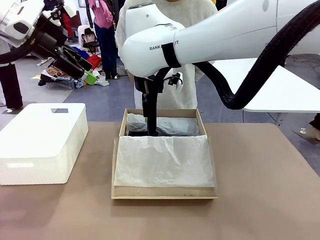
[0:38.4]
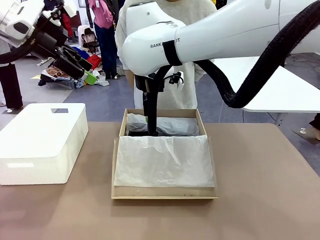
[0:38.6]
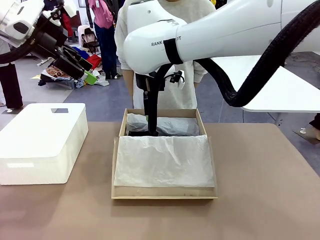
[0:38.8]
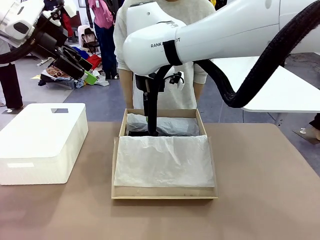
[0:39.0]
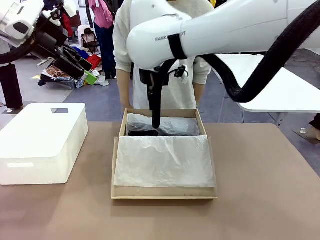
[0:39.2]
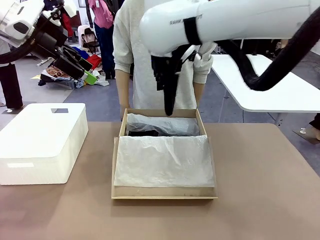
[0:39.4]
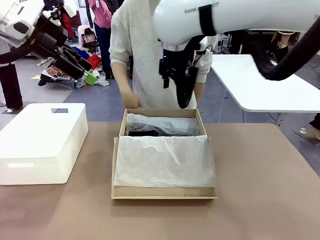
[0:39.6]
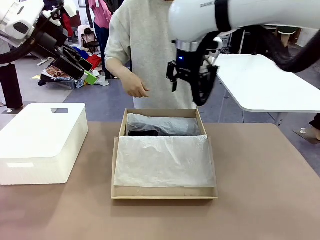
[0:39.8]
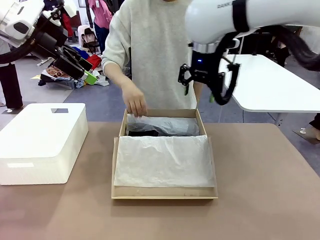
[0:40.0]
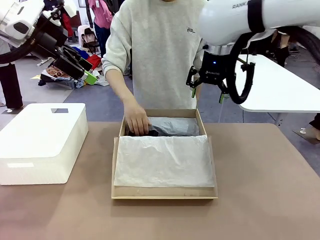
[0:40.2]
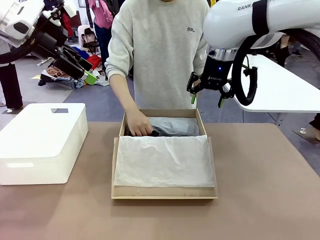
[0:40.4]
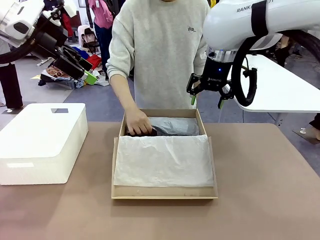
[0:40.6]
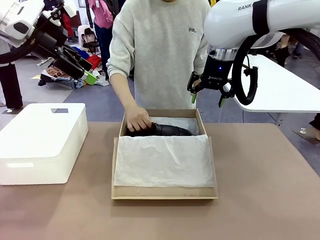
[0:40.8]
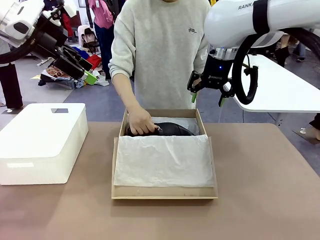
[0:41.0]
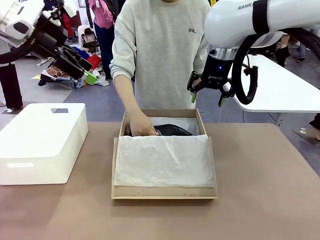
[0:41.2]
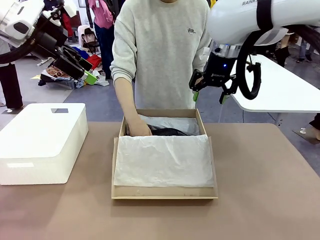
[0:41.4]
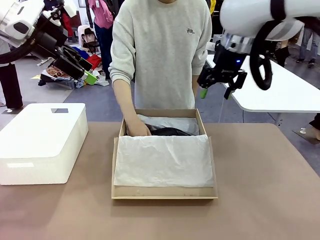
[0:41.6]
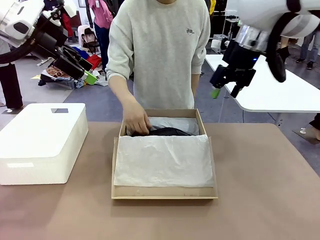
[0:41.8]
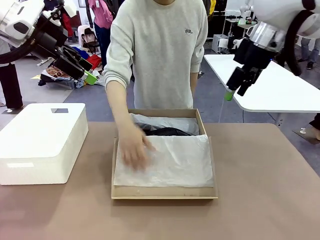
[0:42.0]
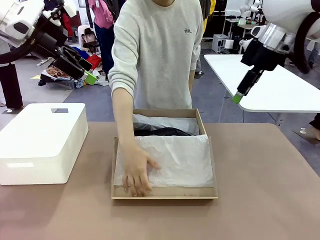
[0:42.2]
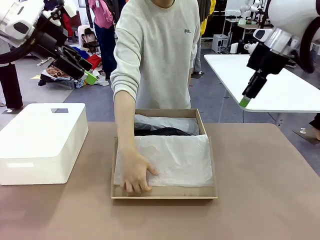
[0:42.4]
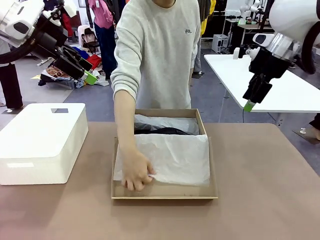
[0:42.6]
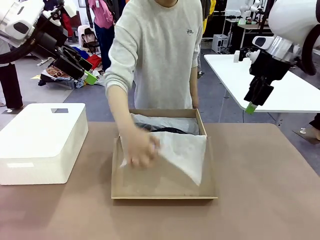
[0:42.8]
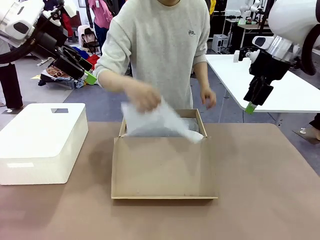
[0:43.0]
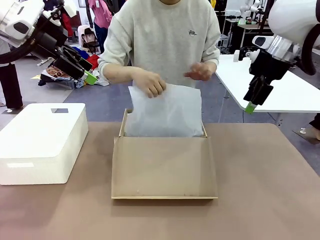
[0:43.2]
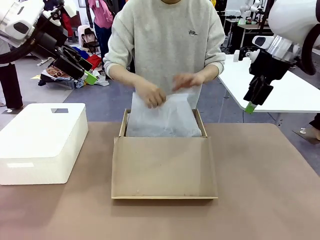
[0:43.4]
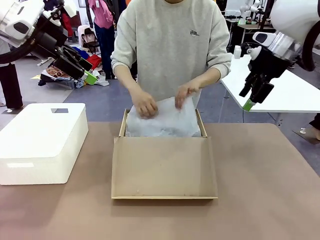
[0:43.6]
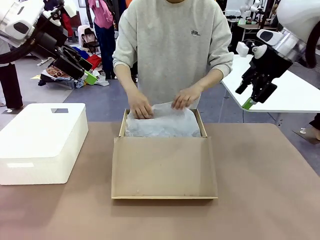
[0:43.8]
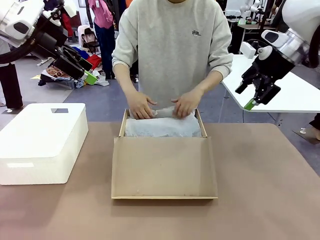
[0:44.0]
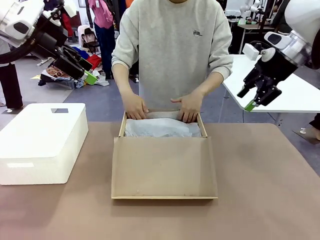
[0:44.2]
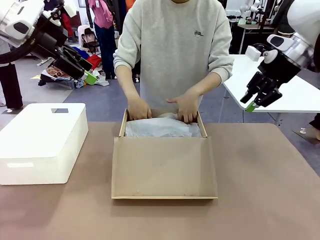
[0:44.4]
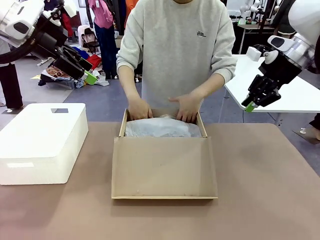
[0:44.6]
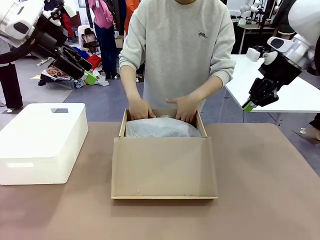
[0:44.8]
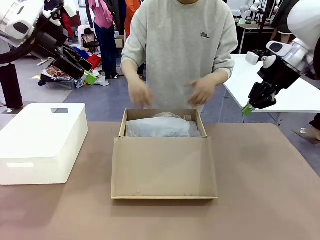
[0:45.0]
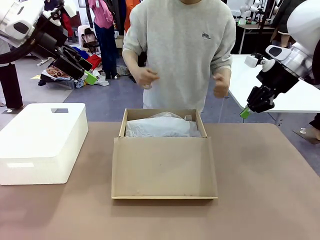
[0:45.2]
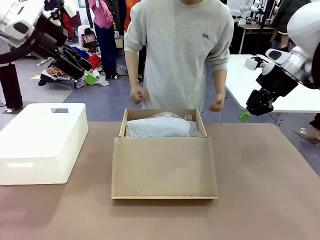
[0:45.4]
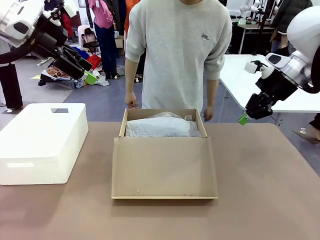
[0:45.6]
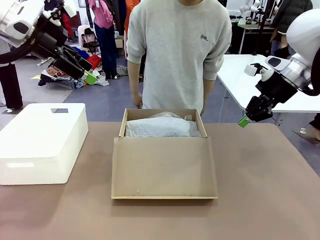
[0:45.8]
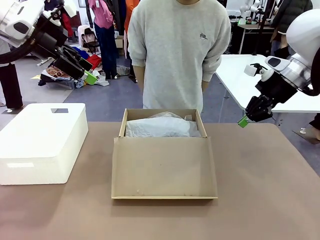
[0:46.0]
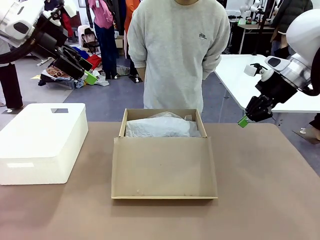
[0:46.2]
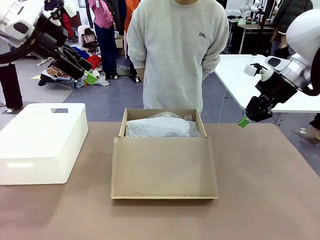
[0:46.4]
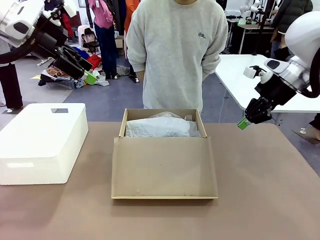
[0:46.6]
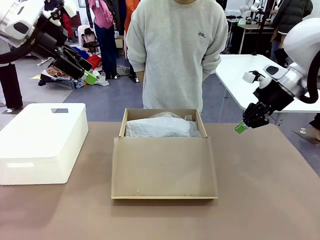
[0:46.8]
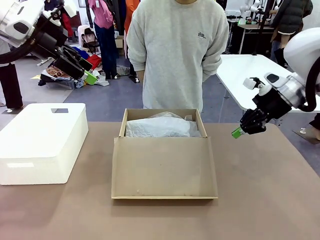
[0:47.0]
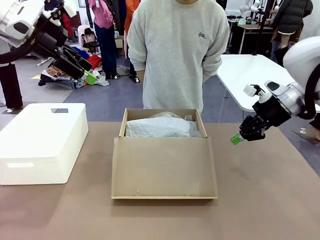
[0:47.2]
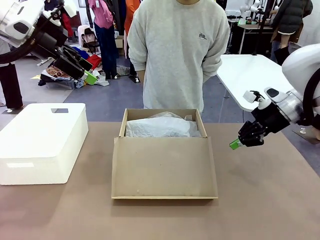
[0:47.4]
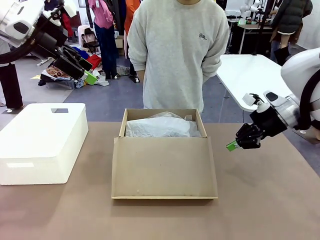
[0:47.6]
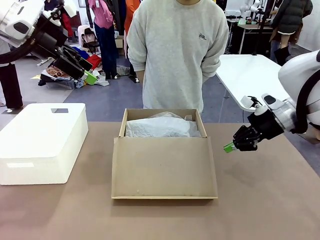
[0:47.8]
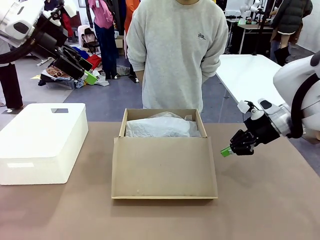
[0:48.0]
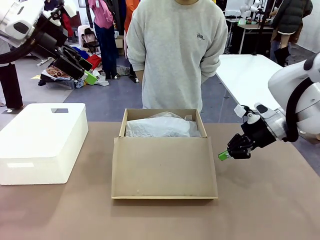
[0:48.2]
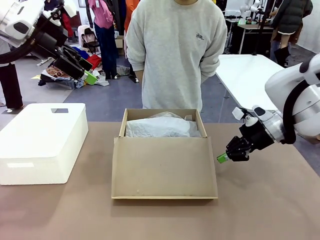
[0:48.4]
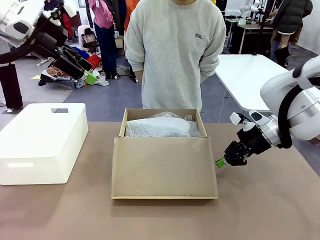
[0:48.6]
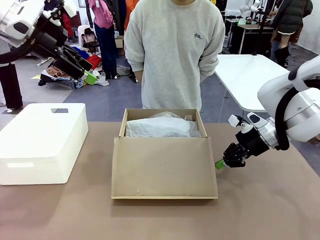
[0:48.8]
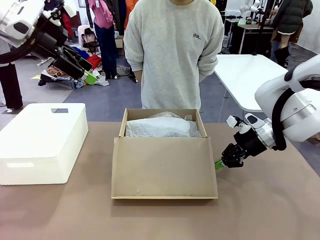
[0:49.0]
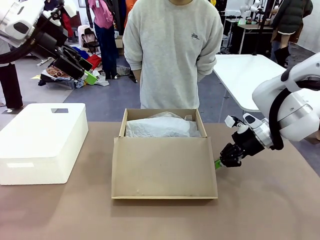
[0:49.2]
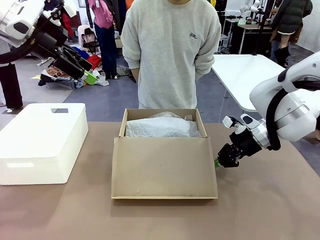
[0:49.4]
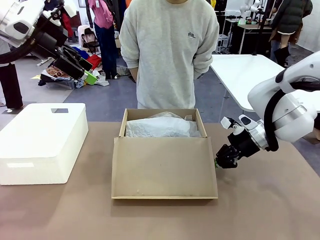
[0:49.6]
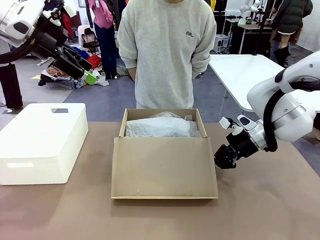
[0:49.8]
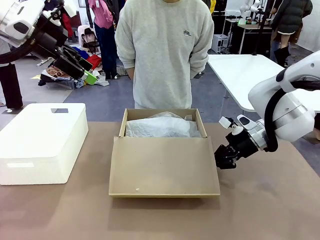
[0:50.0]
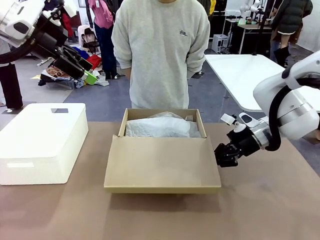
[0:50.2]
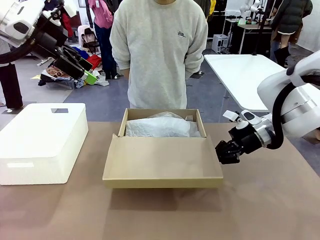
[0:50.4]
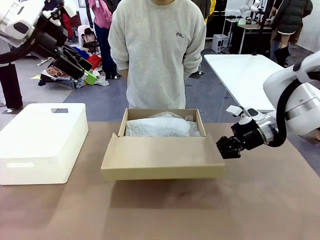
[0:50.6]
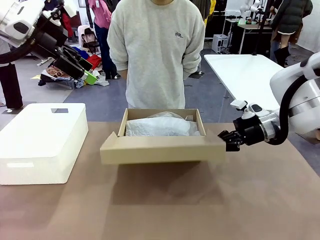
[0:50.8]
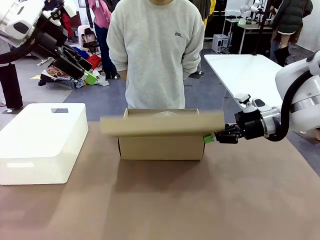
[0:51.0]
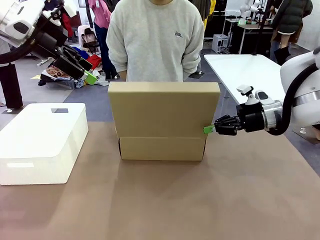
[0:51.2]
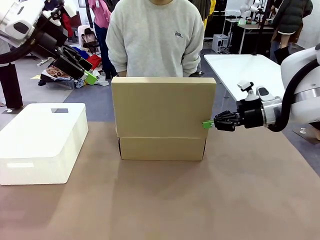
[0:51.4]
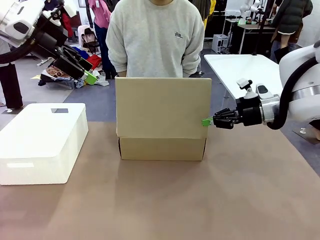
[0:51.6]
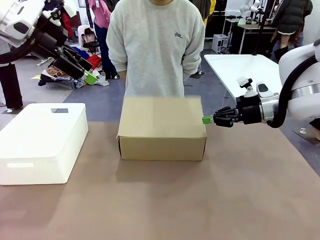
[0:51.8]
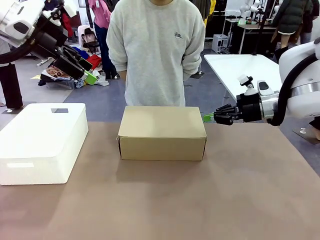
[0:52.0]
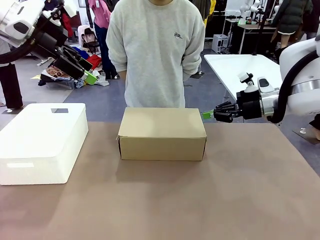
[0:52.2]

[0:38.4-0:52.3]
Task: Pack the shoes into the box.
Robot: Close the Shoes Box.

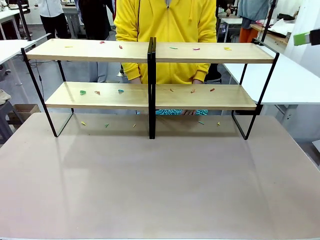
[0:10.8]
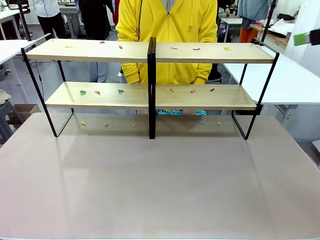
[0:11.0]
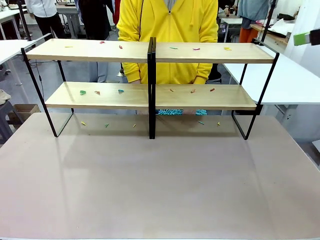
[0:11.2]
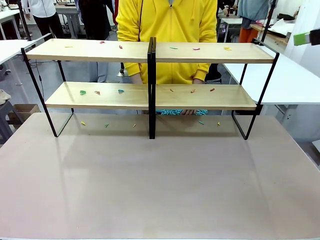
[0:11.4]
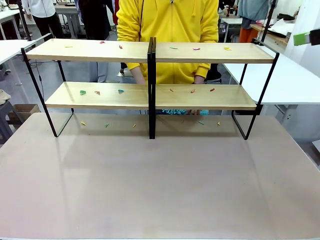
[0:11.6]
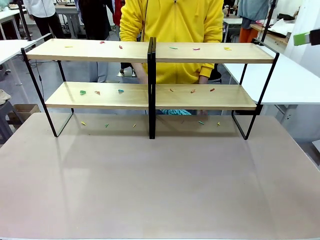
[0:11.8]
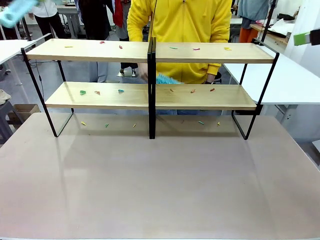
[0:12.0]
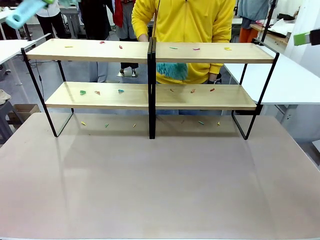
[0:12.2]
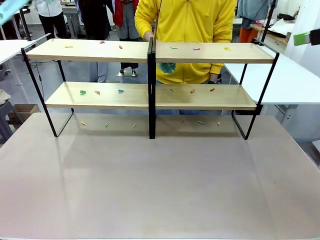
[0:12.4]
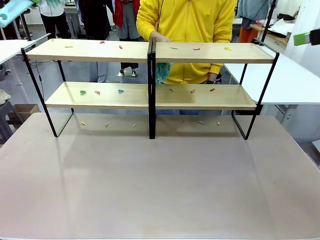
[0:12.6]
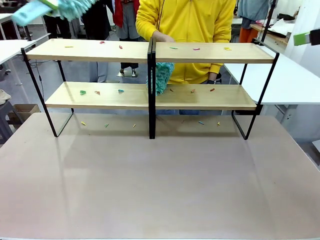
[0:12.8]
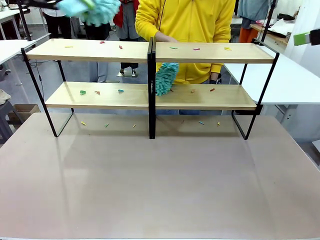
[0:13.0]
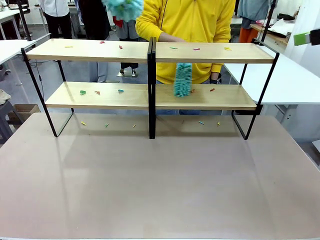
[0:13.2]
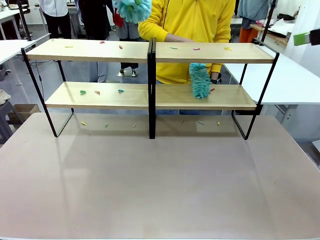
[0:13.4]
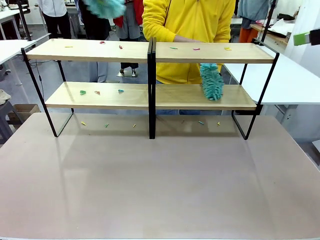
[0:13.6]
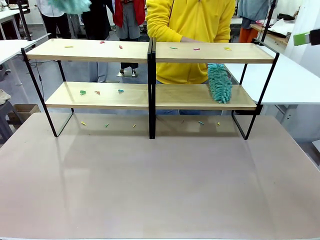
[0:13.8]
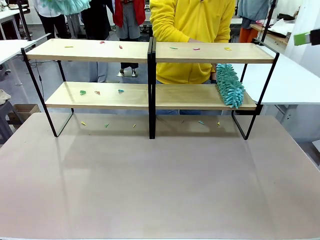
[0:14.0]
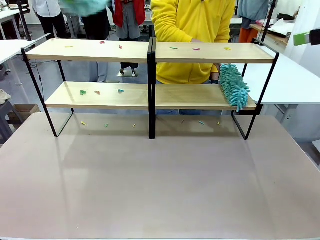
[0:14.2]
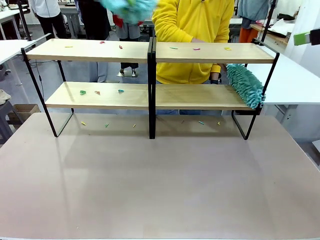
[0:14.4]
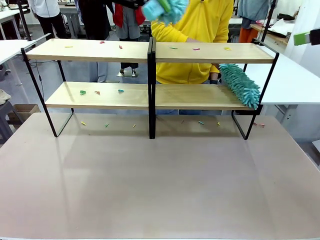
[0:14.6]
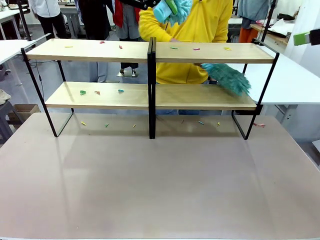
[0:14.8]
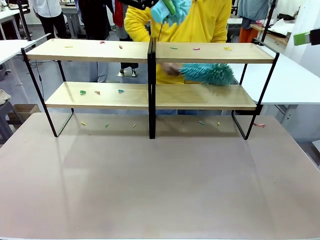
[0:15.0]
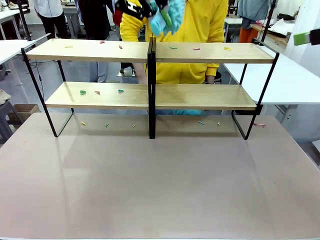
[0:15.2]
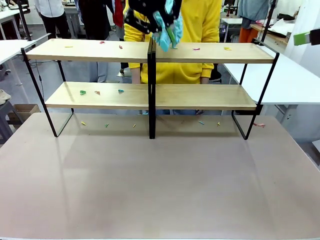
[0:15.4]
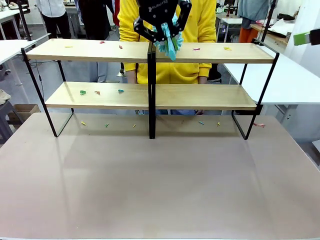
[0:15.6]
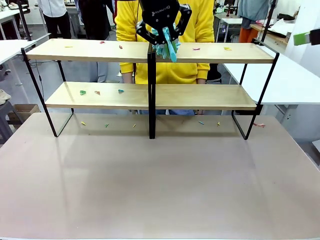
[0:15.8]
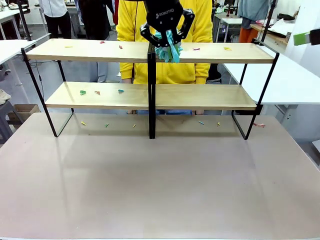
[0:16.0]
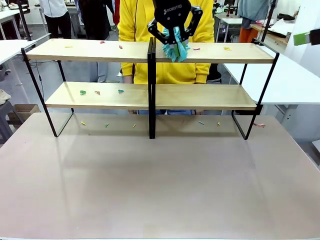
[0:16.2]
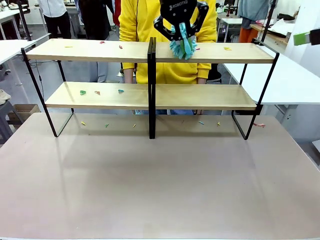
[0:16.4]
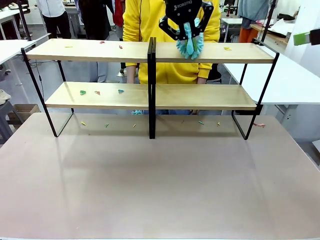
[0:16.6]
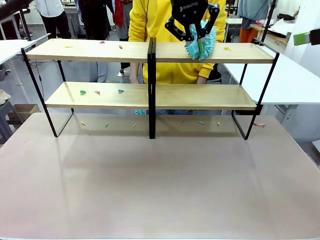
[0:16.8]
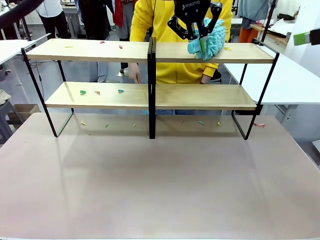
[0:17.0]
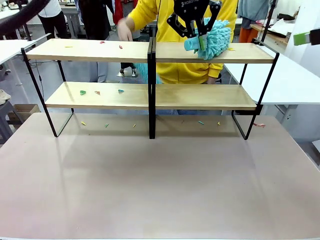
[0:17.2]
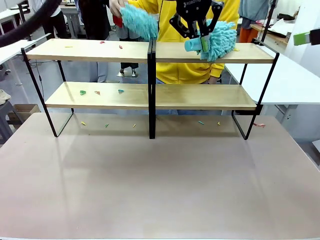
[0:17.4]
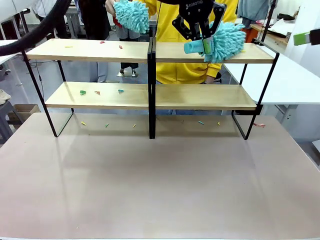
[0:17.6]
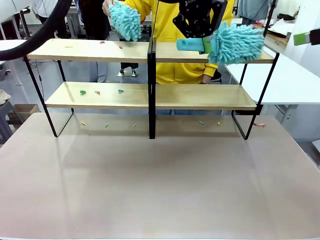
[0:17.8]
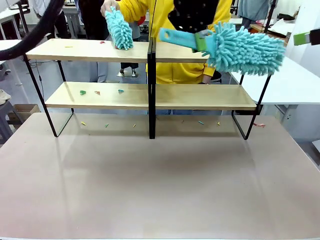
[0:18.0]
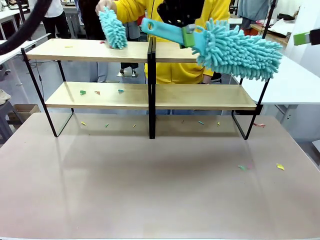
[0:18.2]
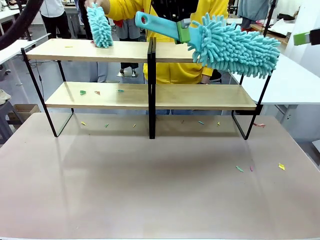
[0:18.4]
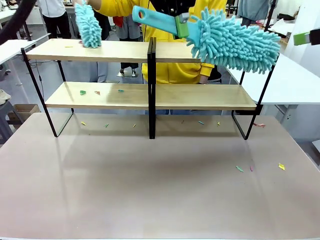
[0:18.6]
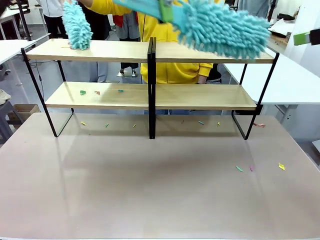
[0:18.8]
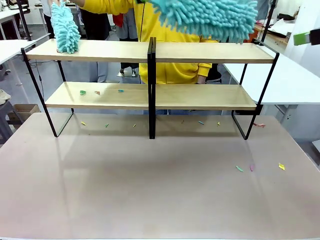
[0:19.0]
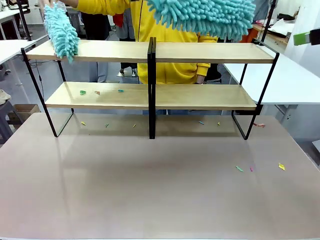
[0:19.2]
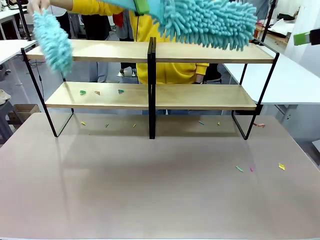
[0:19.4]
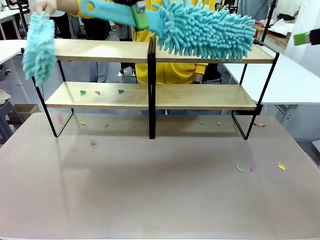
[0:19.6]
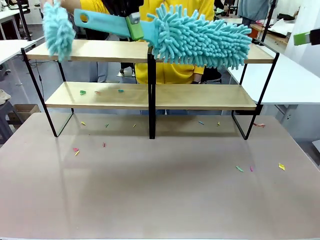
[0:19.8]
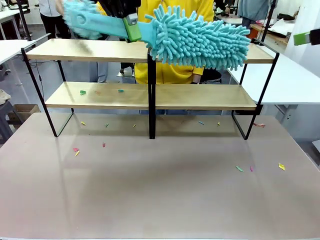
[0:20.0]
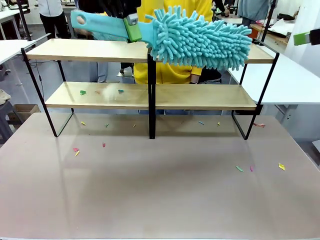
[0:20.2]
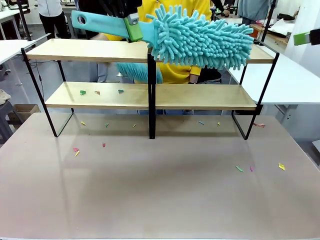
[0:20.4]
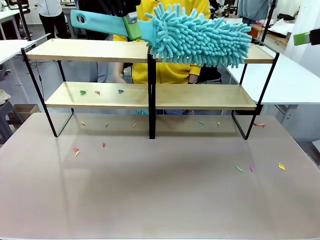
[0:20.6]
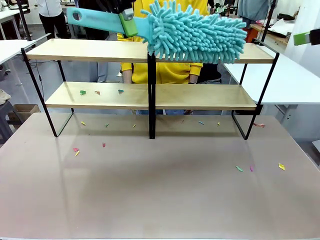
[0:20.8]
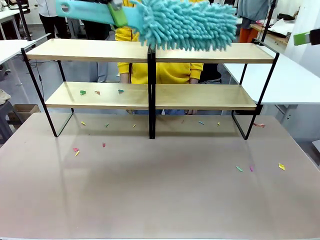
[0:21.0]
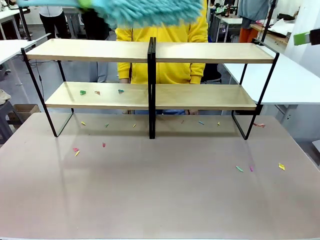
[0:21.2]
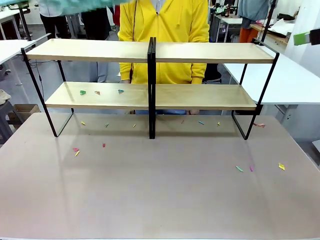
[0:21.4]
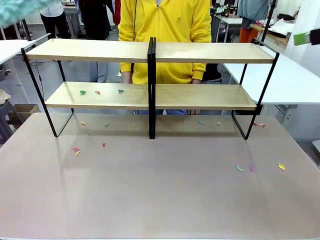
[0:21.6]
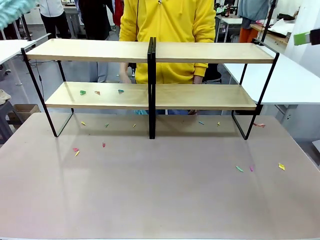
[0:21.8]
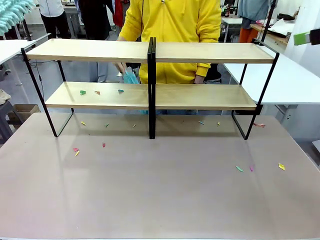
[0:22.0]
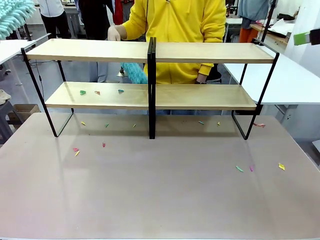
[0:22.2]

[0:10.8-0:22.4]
Task: Clean the shelves.
Robot: Clean a randomly selected level of the Shelf with the Duster.
